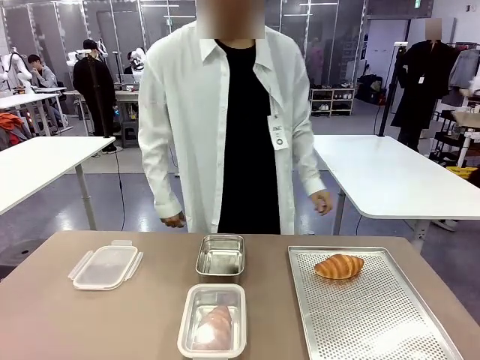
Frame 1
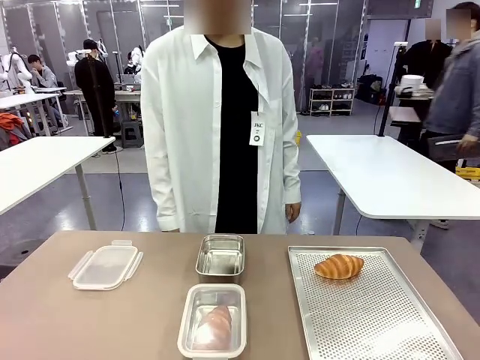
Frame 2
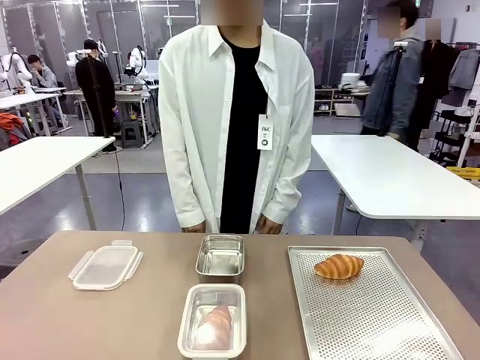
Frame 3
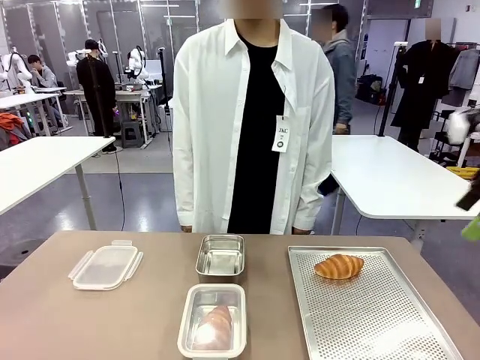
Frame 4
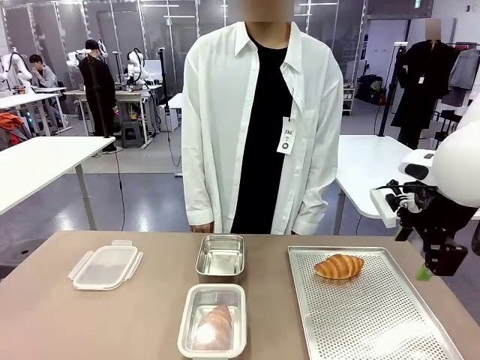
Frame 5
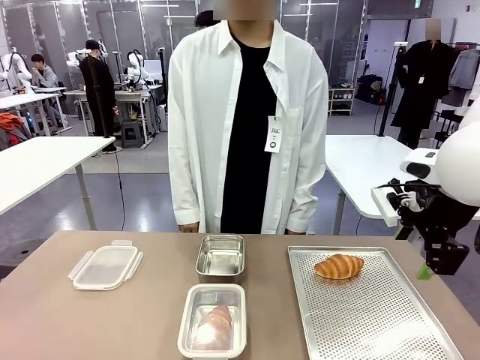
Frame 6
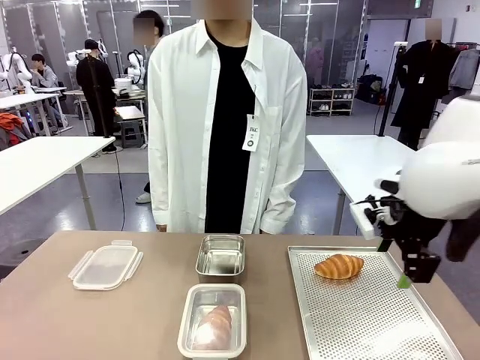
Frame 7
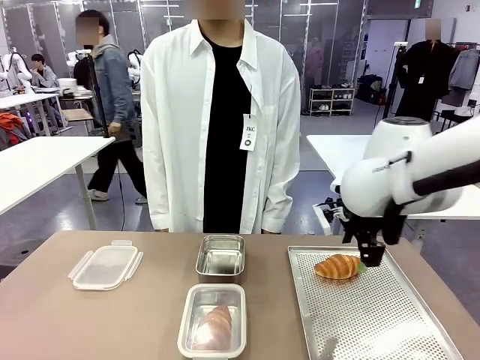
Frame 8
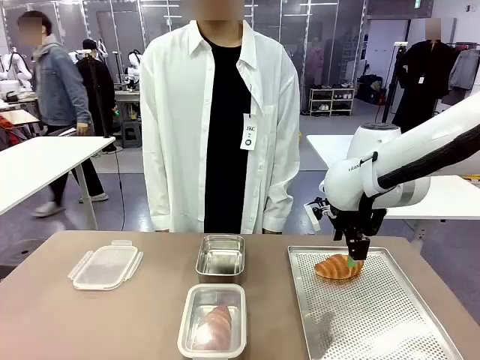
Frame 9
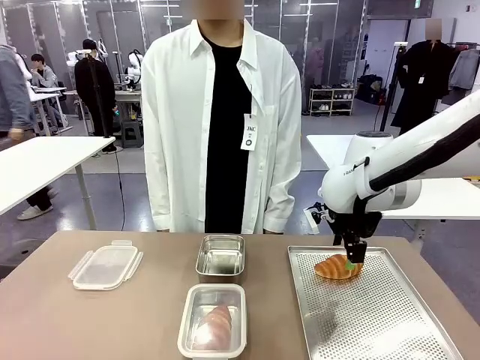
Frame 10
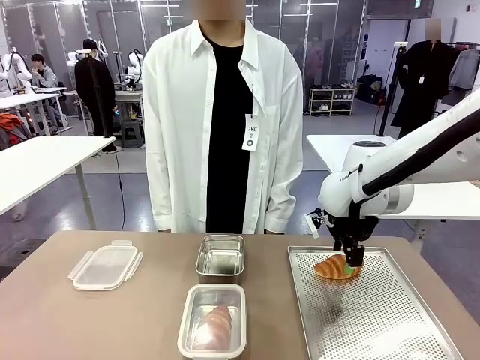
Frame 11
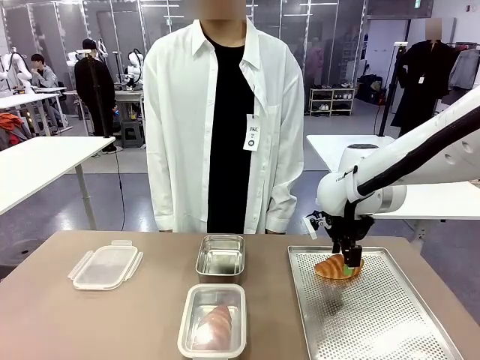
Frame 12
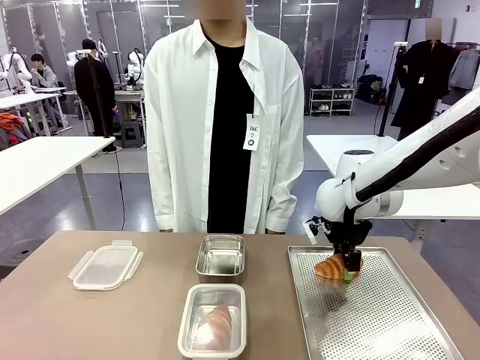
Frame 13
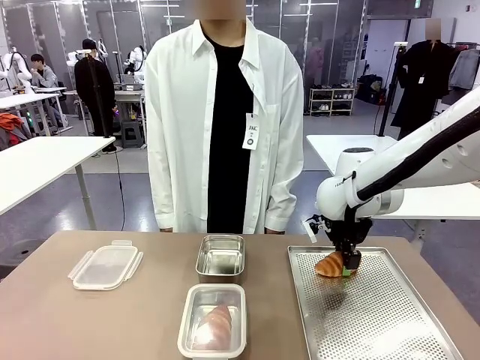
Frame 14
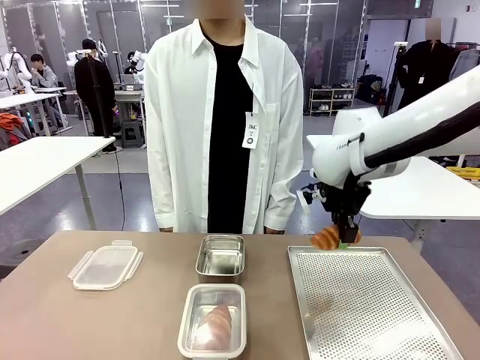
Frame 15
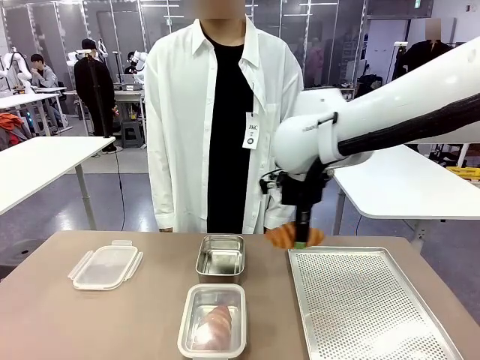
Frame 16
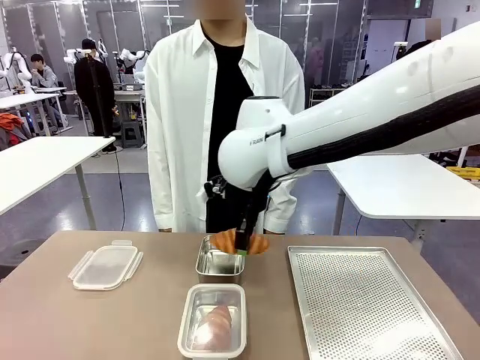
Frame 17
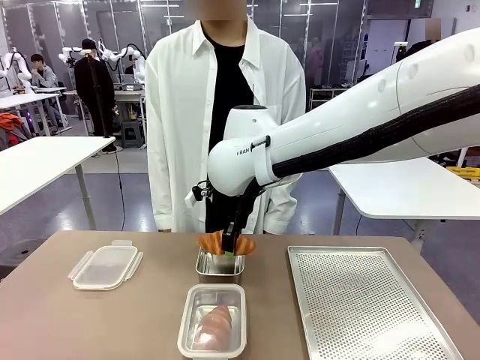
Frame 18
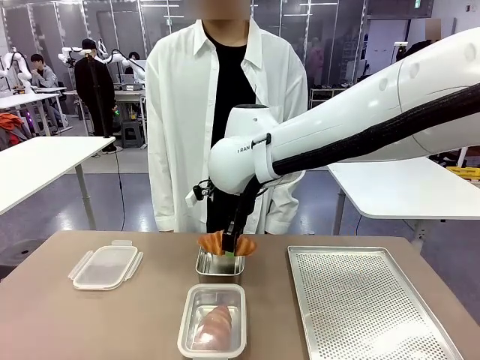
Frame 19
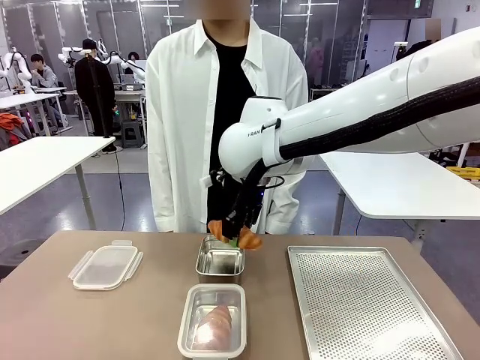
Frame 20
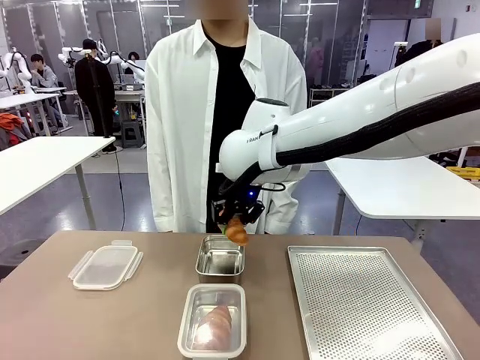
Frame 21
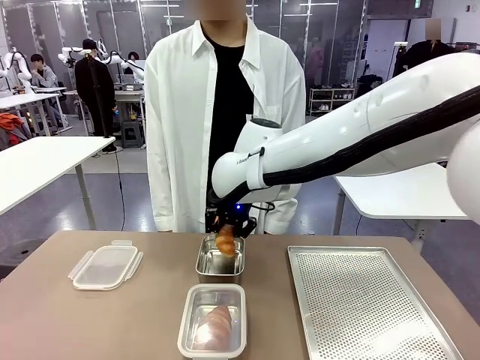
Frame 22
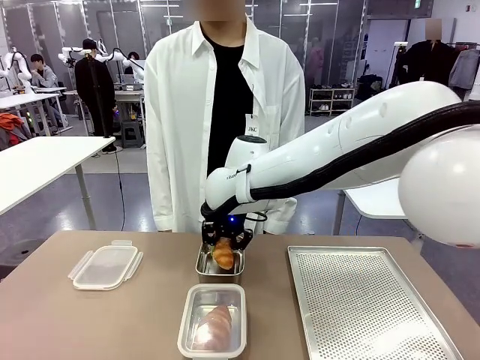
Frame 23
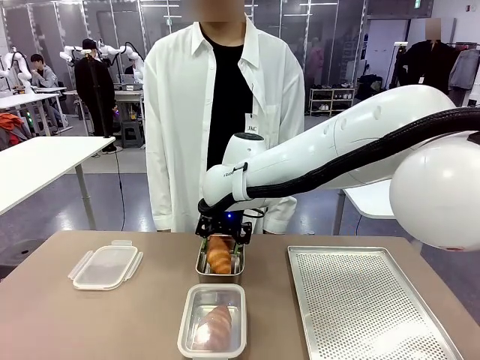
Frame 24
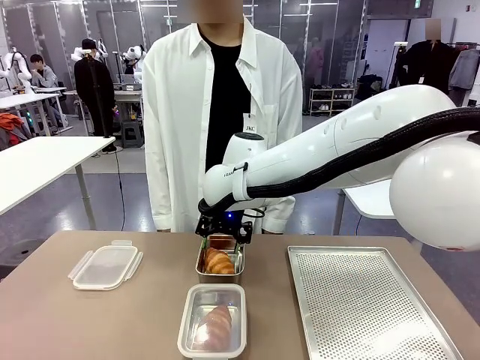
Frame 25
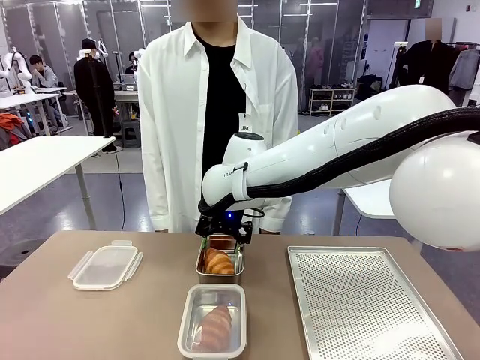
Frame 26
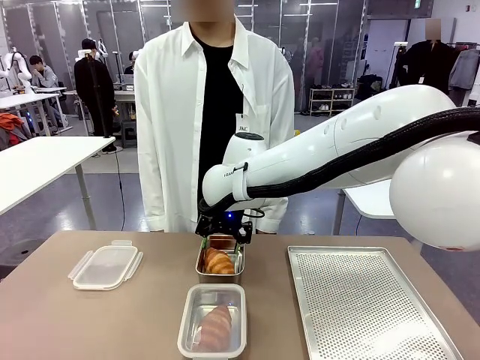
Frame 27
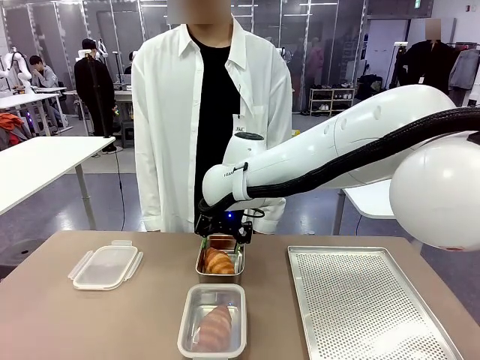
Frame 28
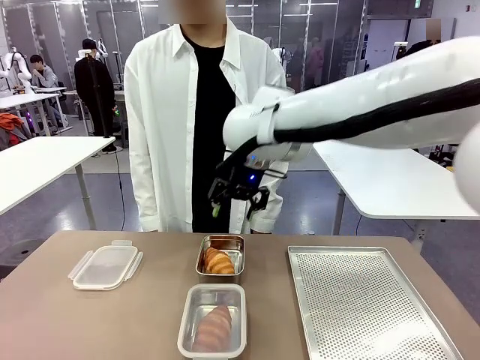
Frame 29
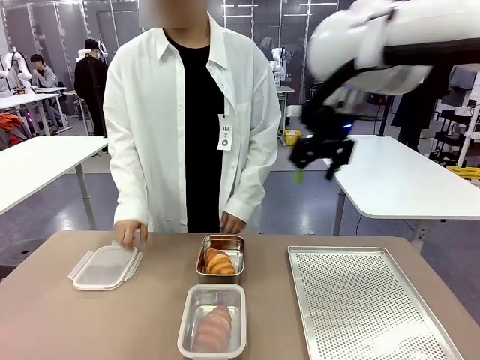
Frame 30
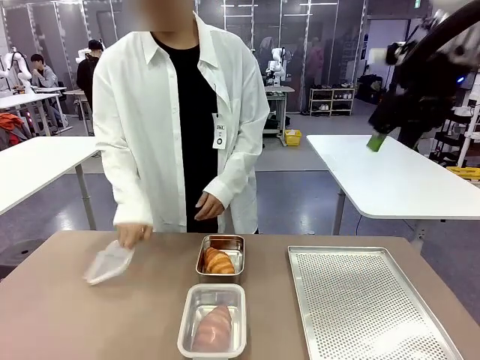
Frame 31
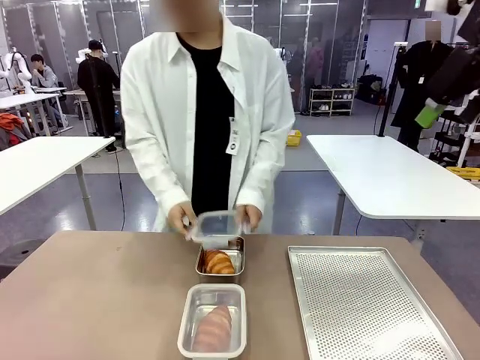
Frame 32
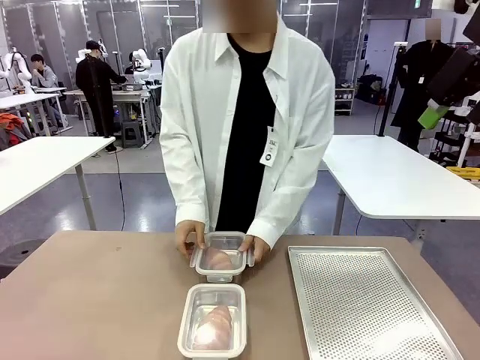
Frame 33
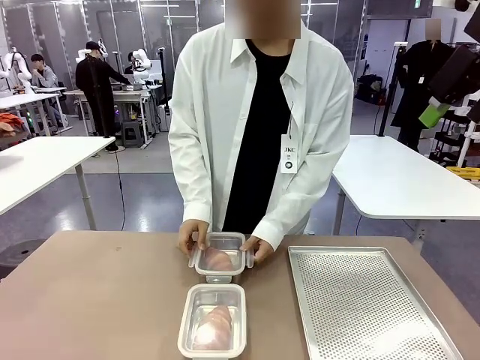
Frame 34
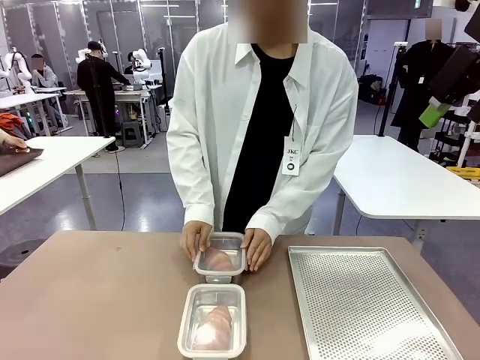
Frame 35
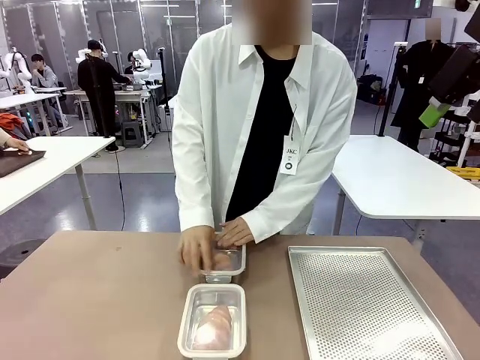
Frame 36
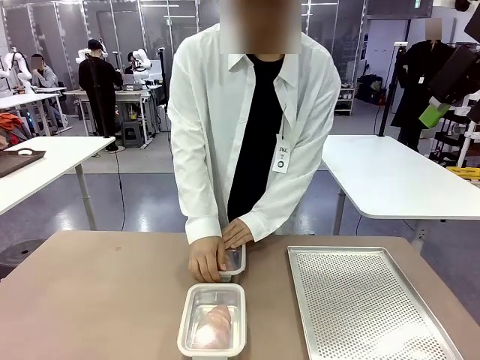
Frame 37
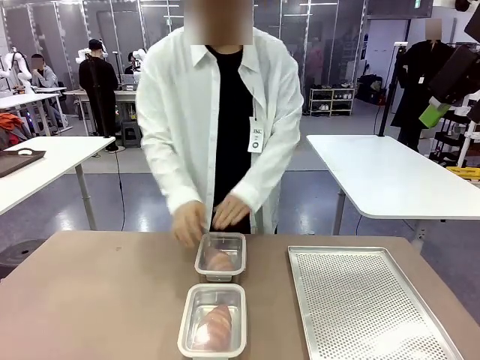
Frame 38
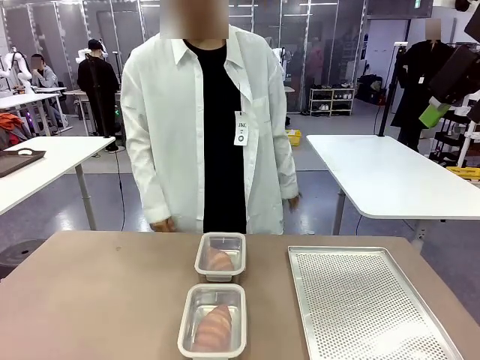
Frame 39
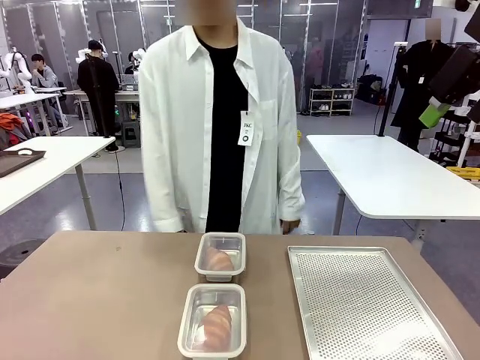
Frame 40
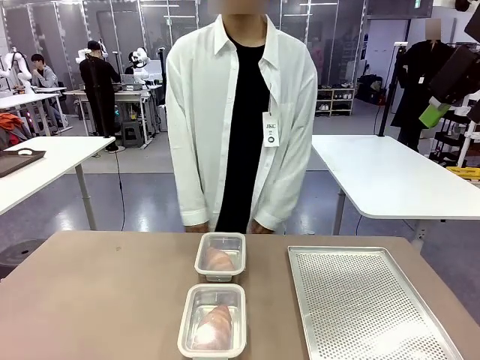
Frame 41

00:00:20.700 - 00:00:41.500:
Task: Place the bread into the airtight container.
Robot: Pick up a Butter Roll and place it into an empty Airtight Container.
Person: Once a Butter Roll is inside an Airtight Container , close the lid of that Airtight Container.
